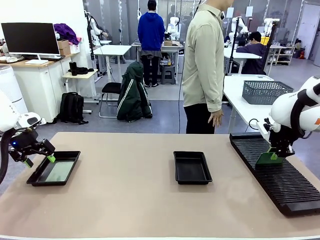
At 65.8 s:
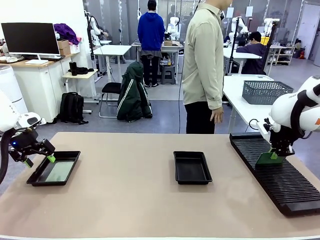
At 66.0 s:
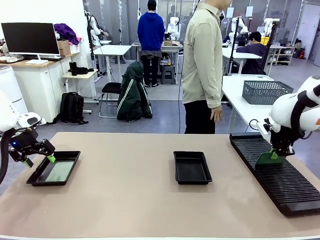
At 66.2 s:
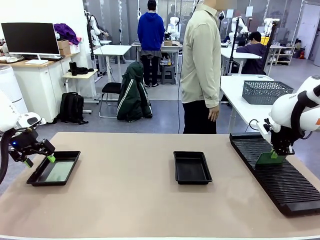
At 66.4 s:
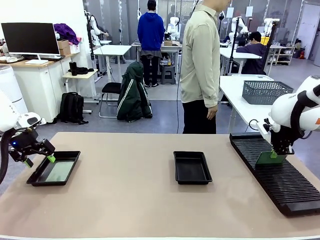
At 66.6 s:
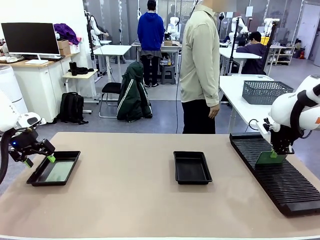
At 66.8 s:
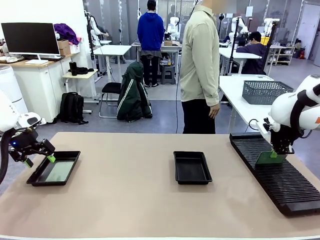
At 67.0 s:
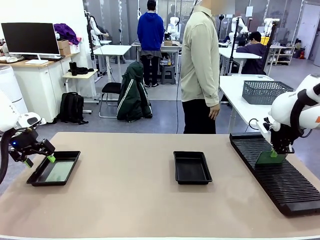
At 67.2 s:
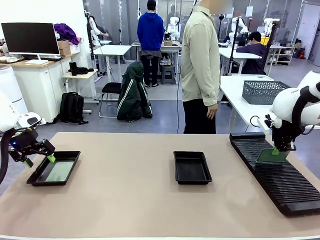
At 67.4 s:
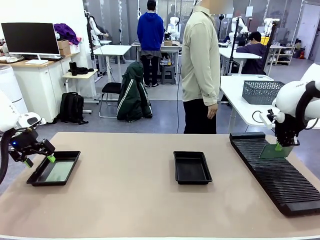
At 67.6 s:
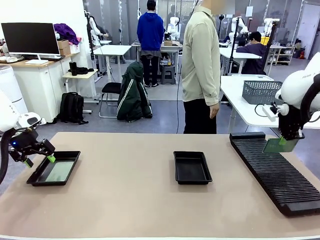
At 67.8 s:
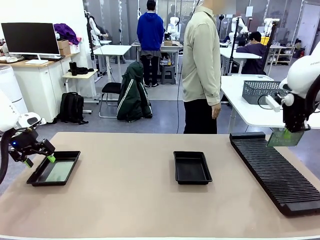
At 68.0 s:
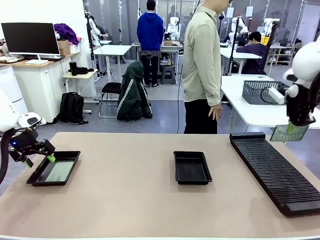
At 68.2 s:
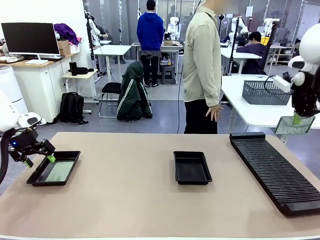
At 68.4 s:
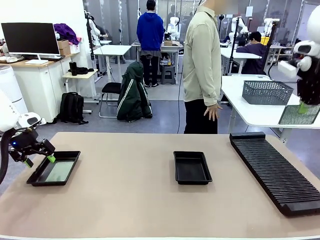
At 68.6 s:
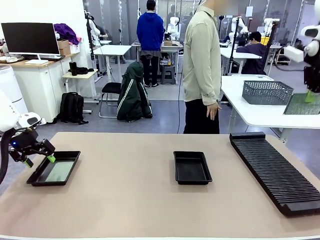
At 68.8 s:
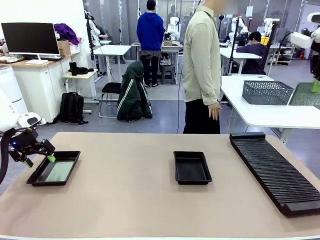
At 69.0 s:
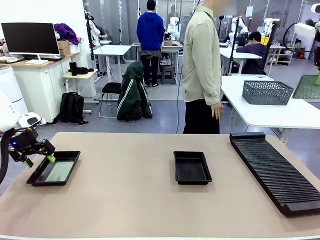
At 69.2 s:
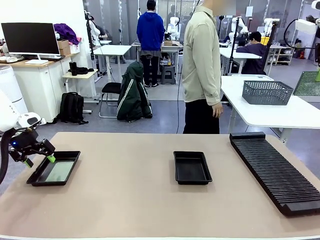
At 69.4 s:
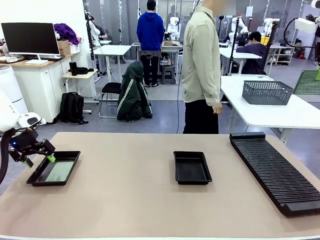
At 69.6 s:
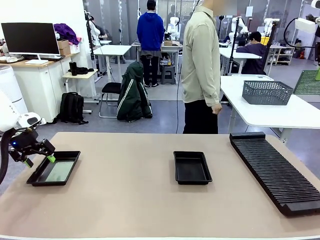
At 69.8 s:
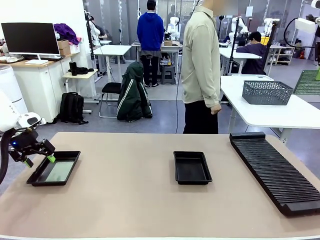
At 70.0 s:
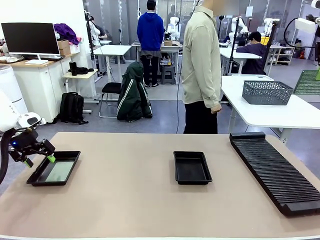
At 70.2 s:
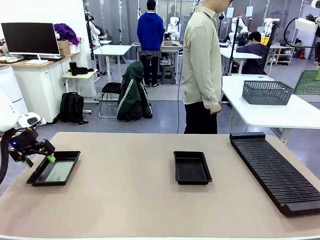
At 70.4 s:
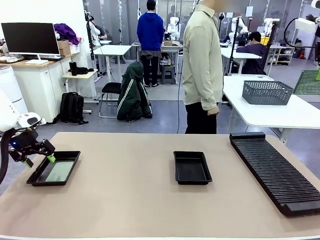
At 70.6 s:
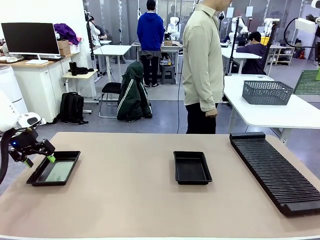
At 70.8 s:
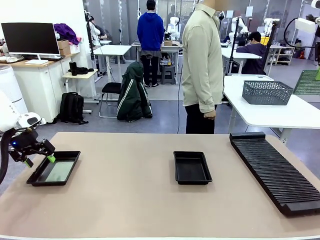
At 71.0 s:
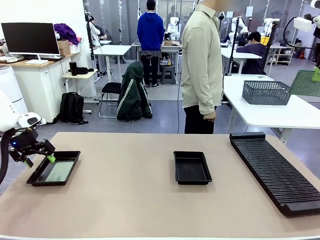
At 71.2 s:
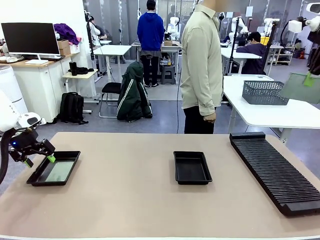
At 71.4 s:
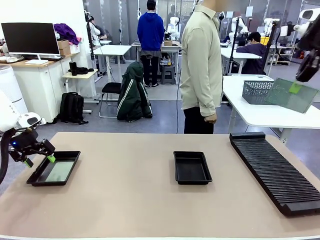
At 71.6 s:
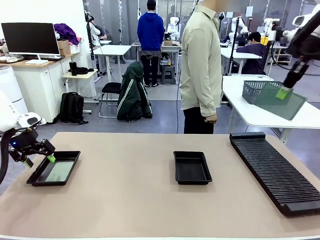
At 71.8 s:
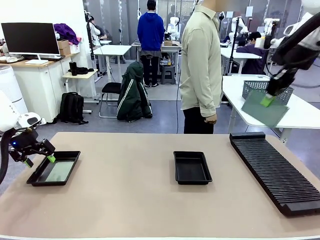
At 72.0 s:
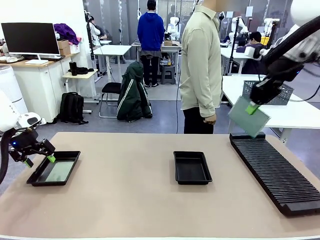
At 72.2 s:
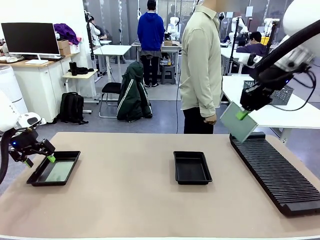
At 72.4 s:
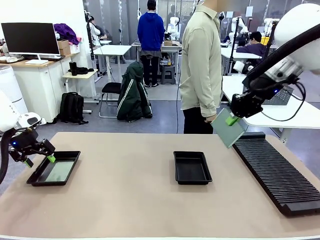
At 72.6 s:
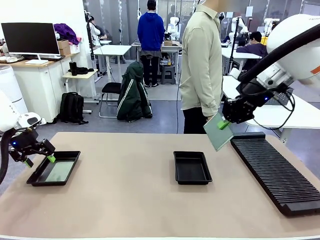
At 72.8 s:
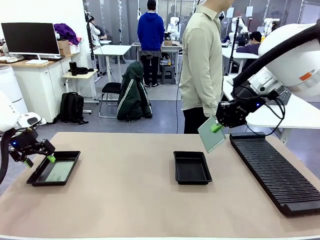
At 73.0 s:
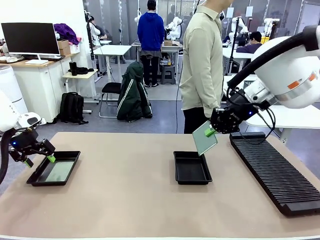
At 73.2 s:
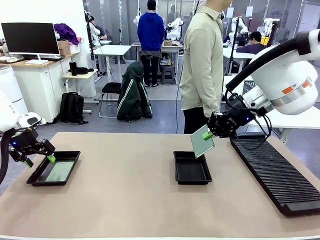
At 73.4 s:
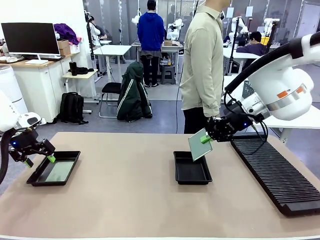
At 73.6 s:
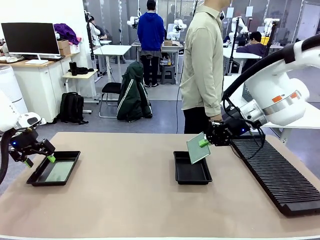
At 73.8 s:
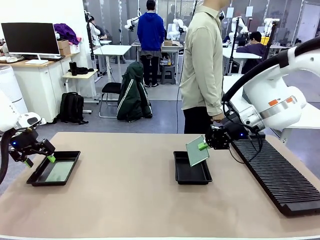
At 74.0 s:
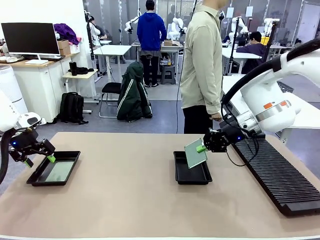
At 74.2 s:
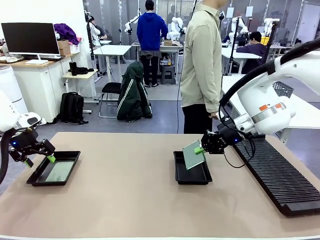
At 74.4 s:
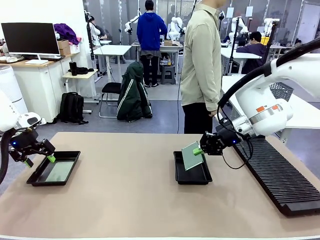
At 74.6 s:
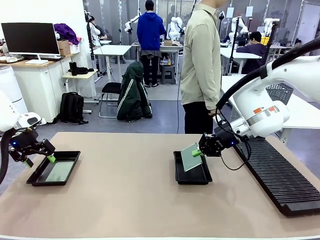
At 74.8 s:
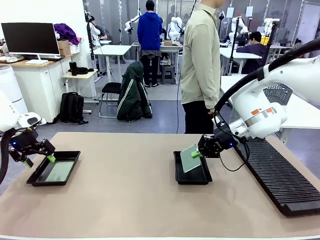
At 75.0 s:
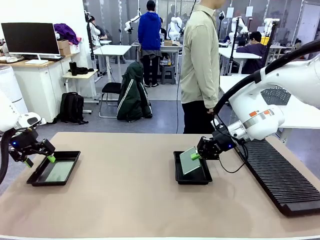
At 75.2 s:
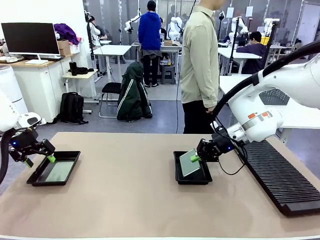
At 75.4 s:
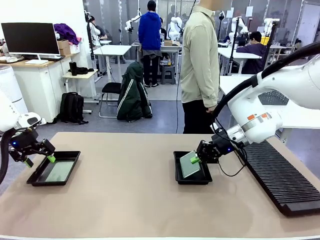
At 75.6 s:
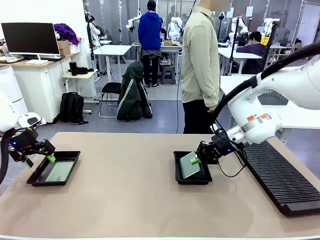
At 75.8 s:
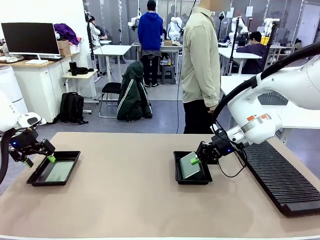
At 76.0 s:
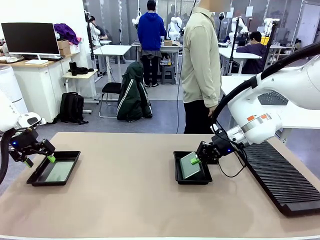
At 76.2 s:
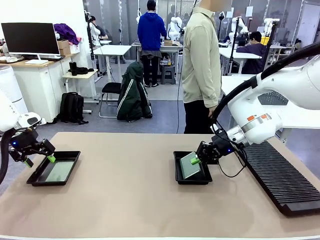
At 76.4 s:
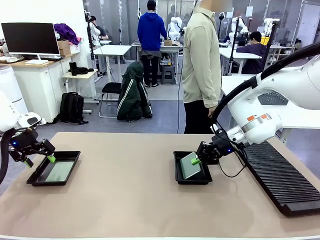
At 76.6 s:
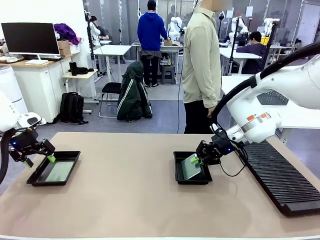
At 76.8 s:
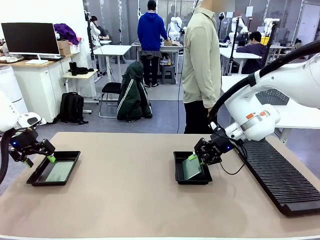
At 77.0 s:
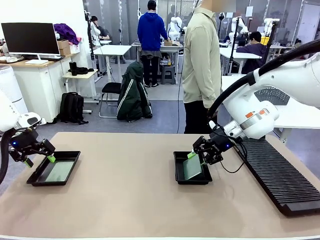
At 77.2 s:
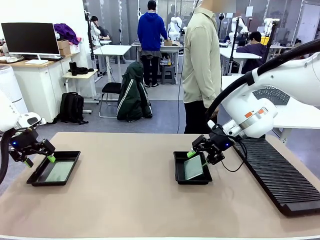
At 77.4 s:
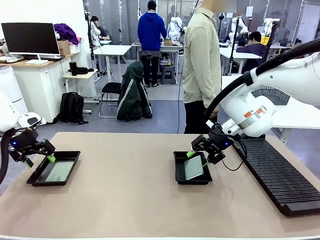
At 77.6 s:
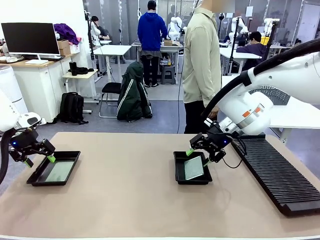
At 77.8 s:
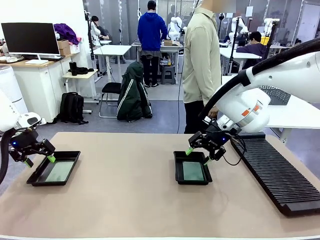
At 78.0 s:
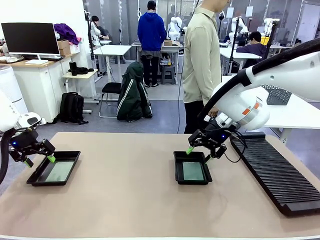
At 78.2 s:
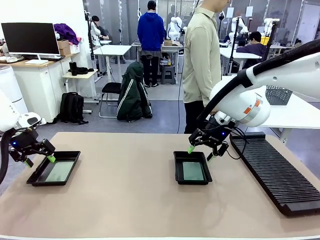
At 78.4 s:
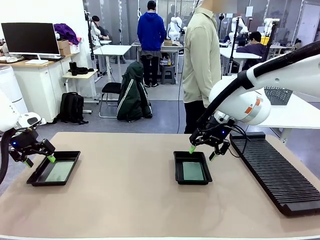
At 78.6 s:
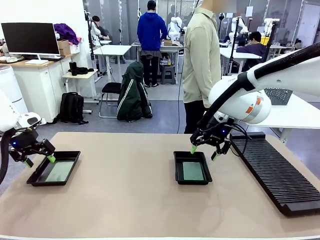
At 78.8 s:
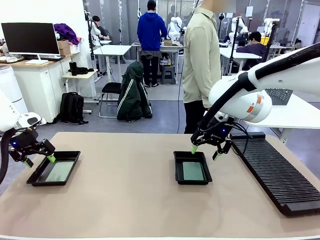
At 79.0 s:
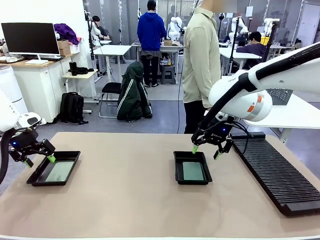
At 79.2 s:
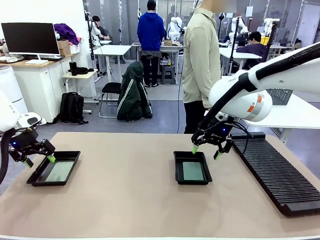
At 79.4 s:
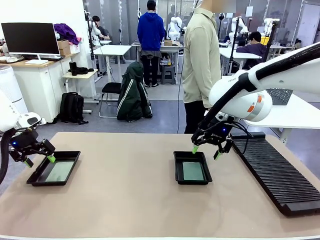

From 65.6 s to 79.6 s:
Task: Inspect and transfer BCBs to ESD trays.
Robot: Pick up the Blank PCB from the PCB Rack and place it in the right ESD tray.
